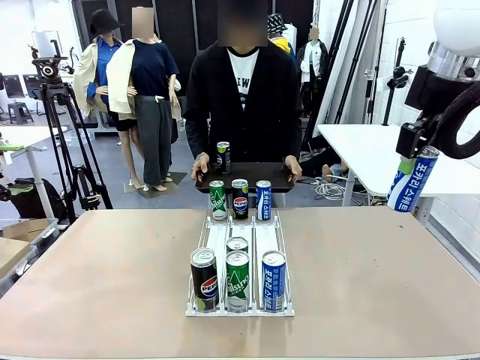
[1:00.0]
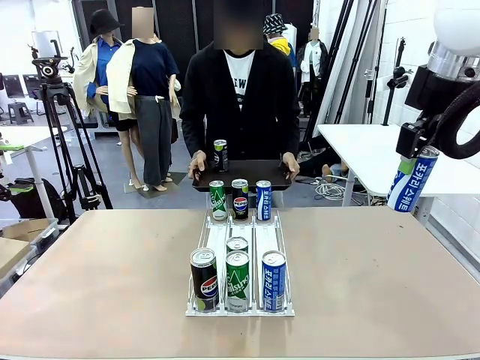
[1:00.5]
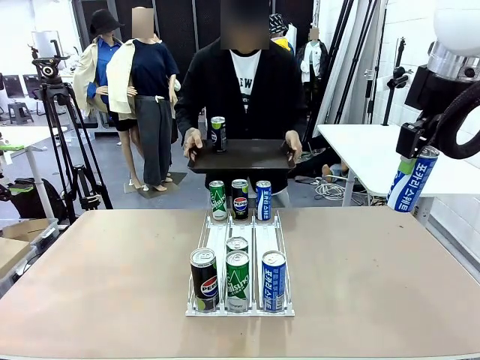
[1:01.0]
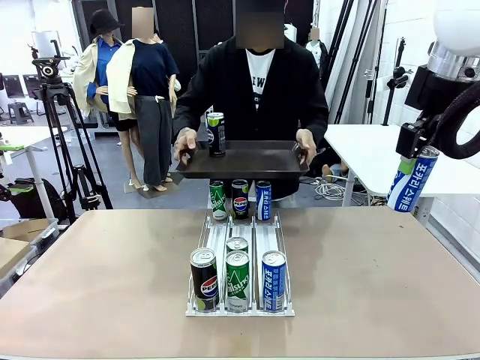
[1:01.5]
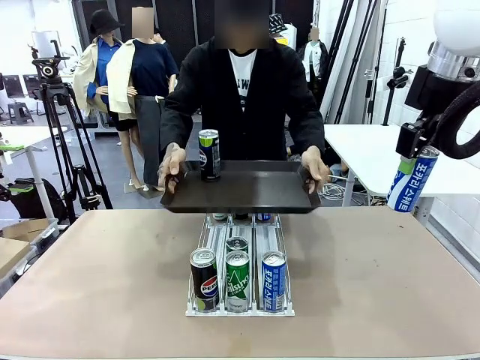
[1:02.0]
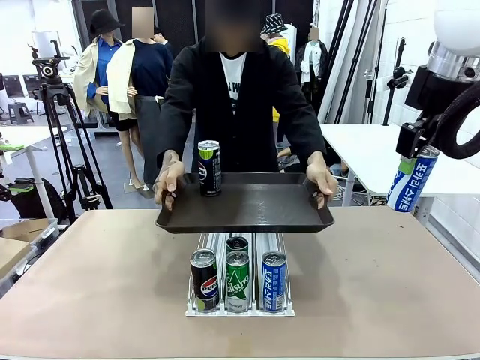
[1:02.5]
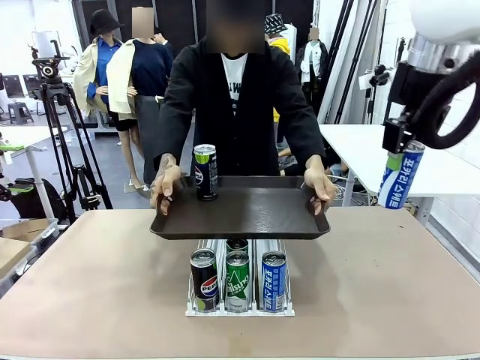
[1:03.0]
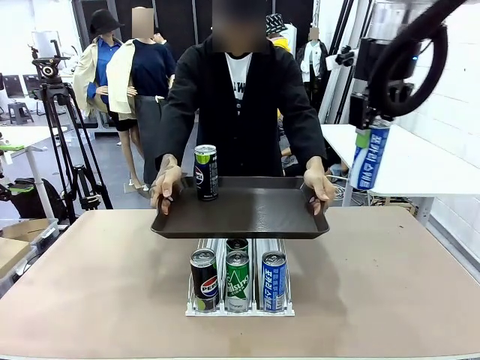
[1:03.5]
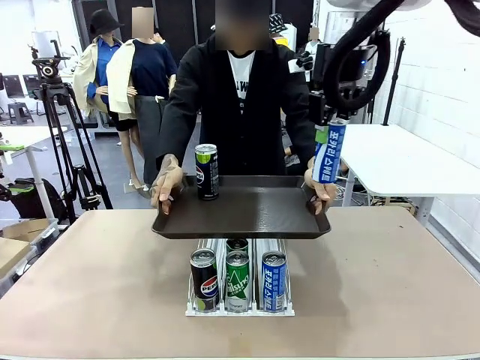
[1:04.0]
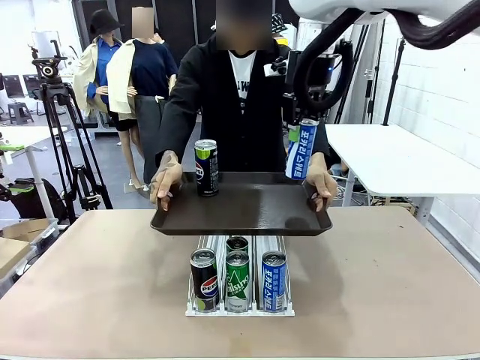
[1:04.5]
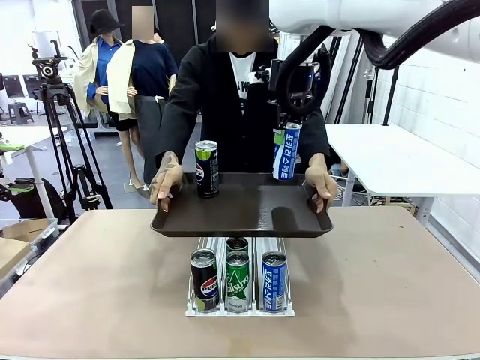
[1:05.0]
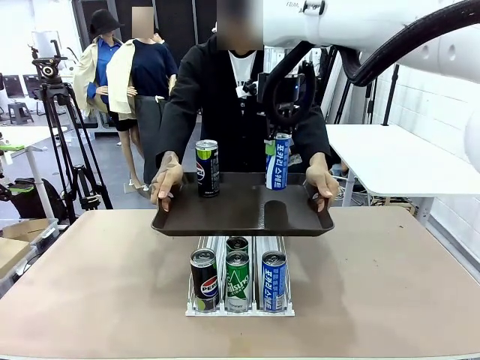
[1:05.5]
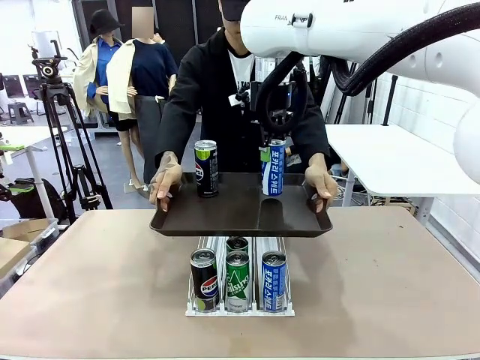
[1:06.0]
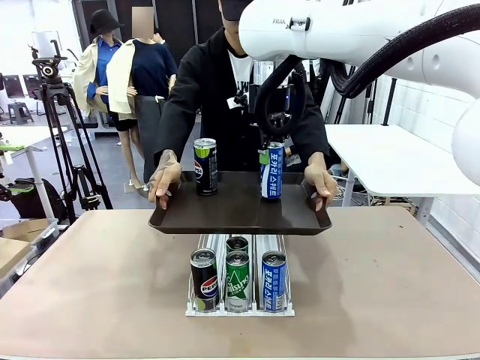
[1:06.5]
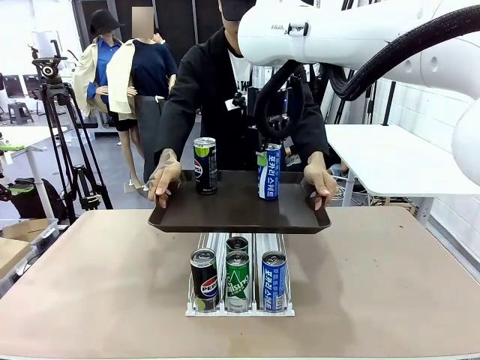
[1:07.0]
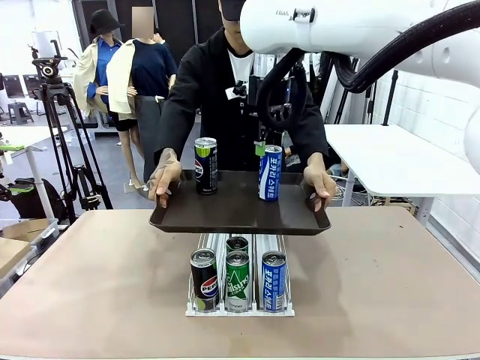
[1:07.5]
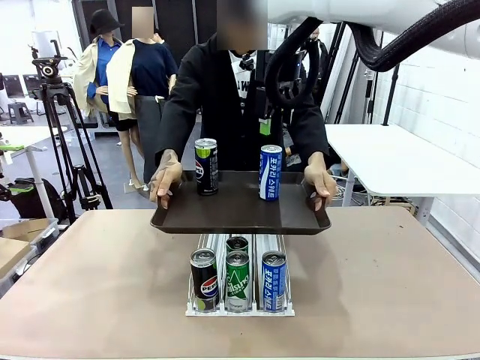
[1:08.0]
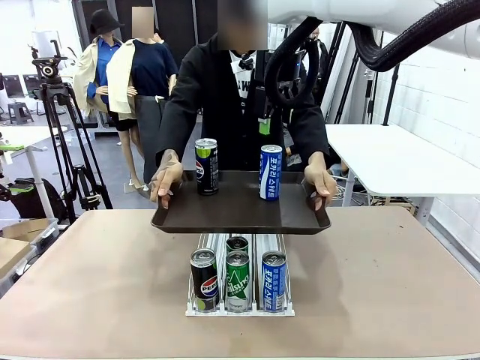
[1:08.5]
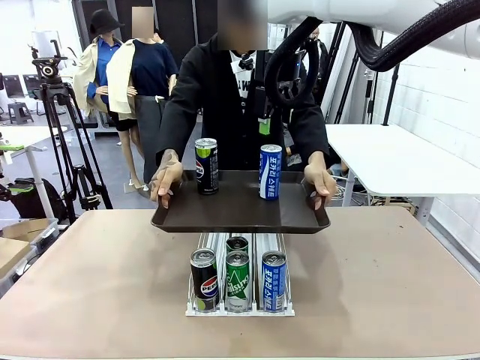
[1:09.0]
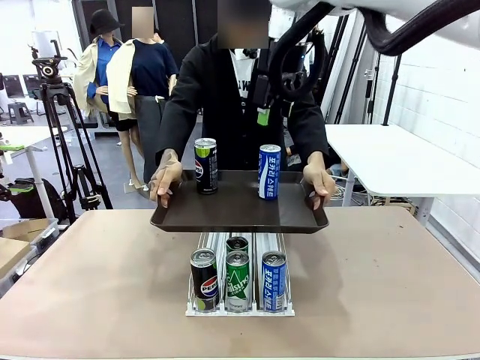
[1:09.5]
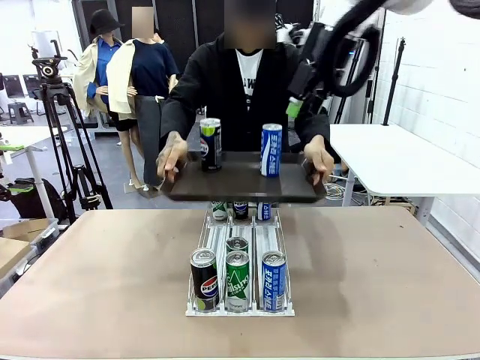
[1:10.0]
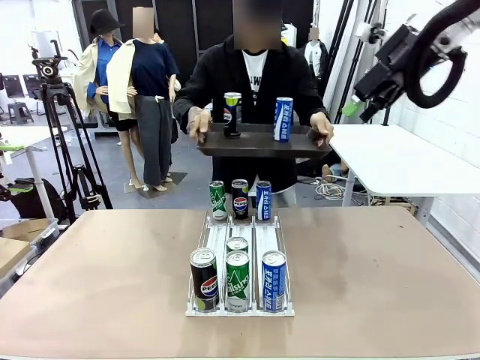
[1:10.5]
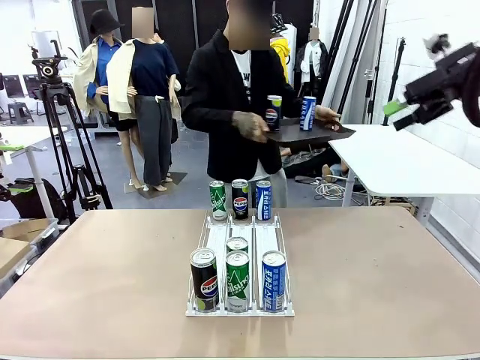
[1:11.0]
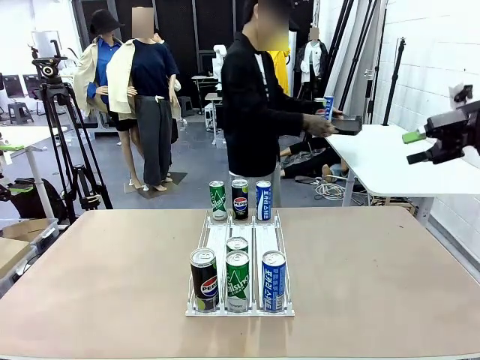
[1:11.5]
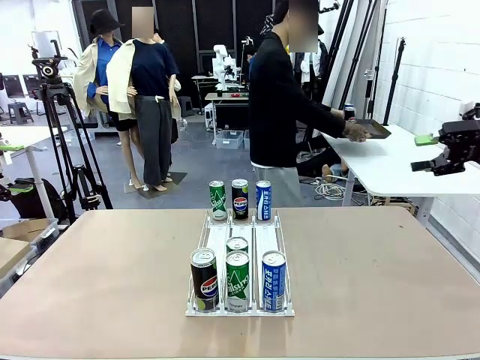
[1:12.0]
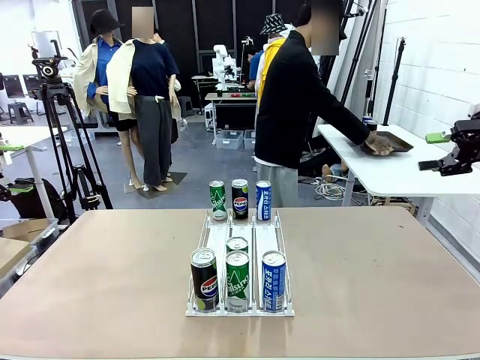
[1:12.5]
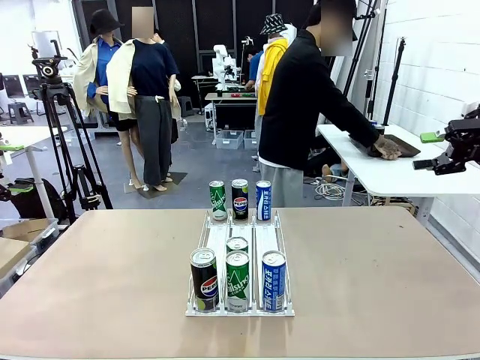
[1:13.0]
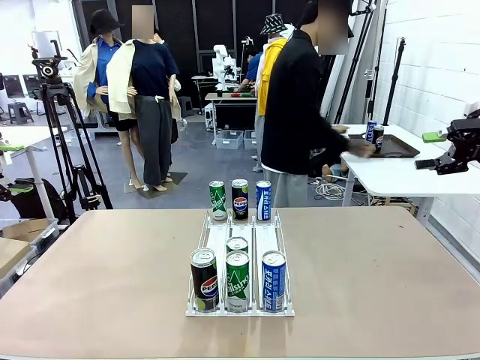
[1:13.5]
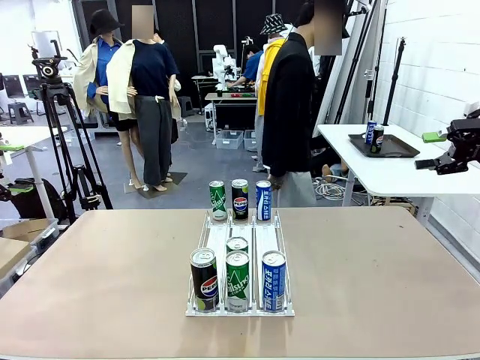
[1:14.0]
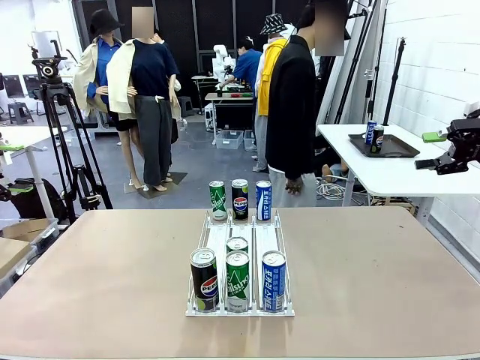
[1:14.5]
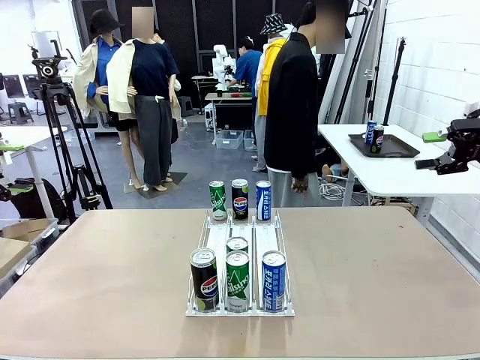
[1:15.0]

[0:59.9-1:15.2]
Task: Retrieve and hand over the desired beverage to the person.
Robot: Place the picked can on the Handle tray extended by the person.
Person: Pull the tray back and place it at the center of the human table.
